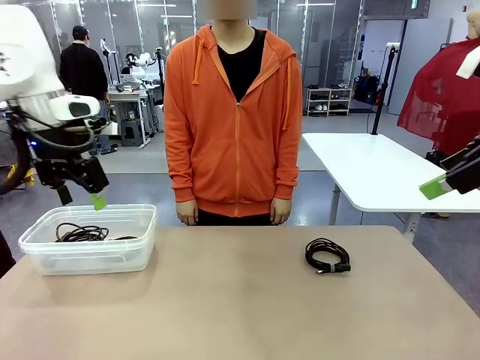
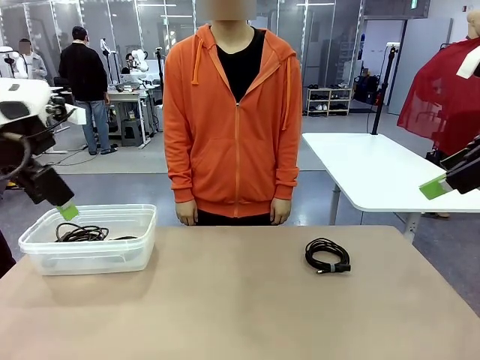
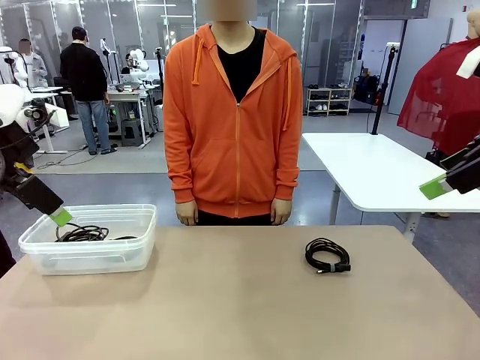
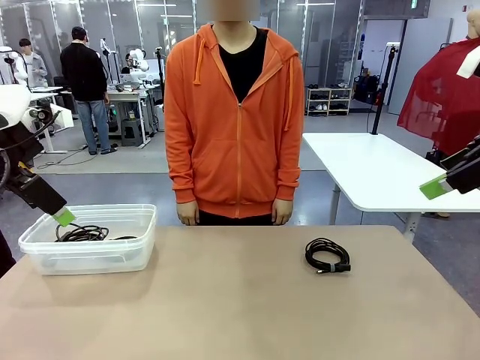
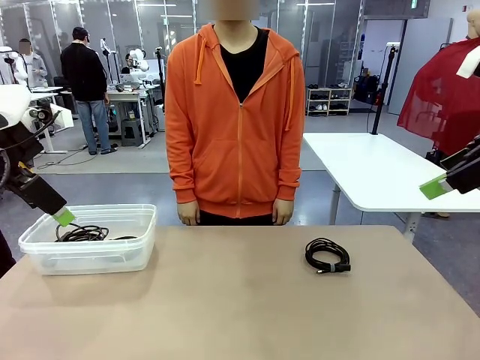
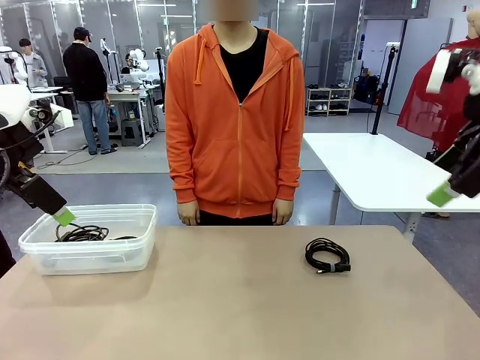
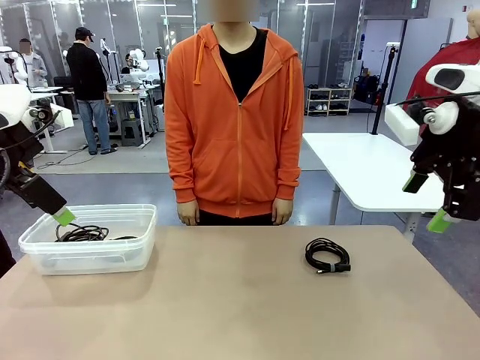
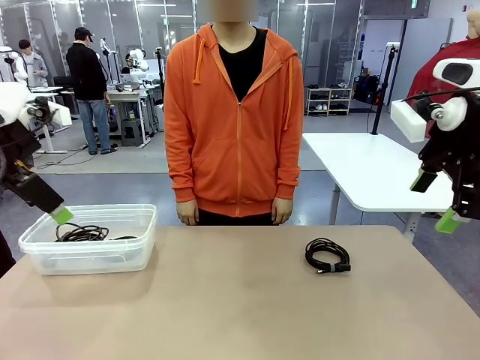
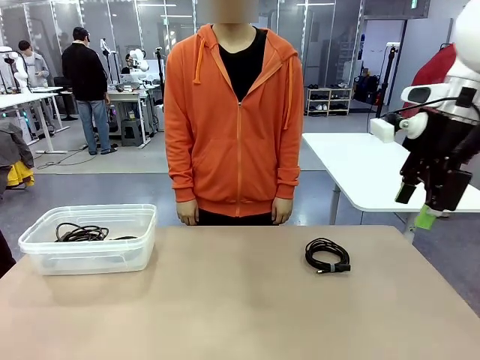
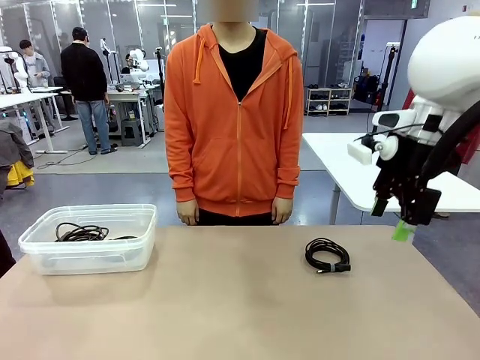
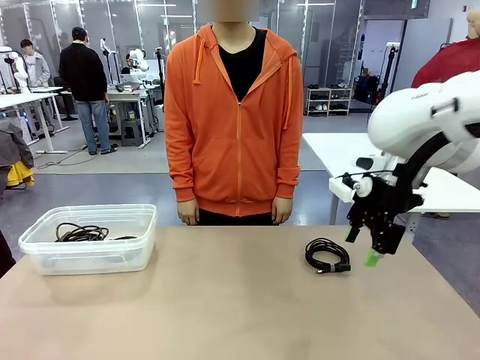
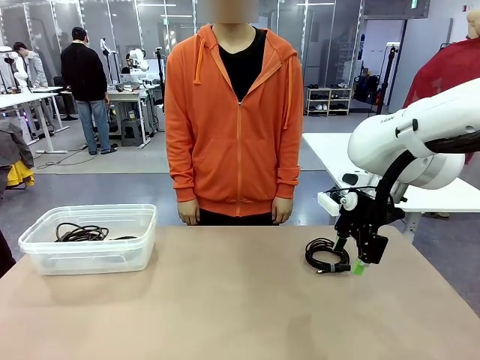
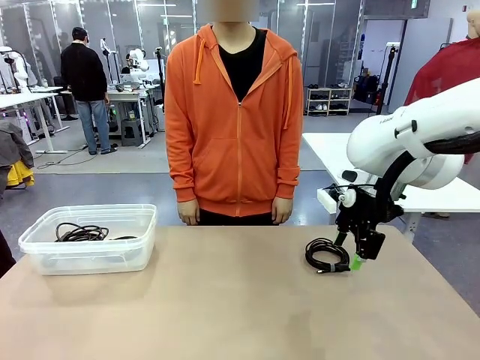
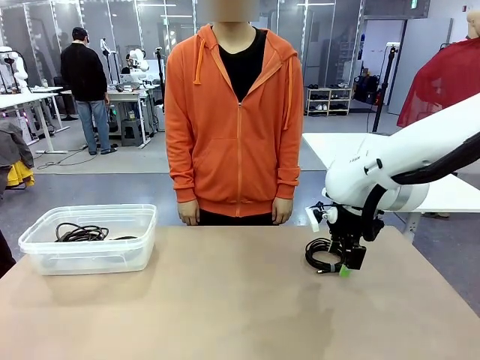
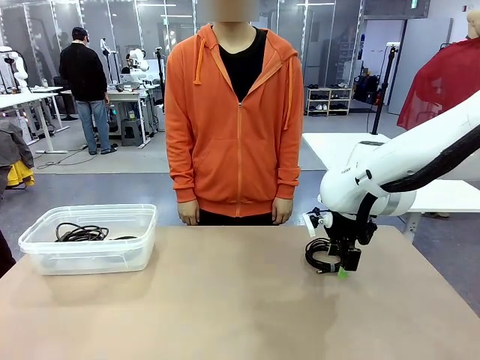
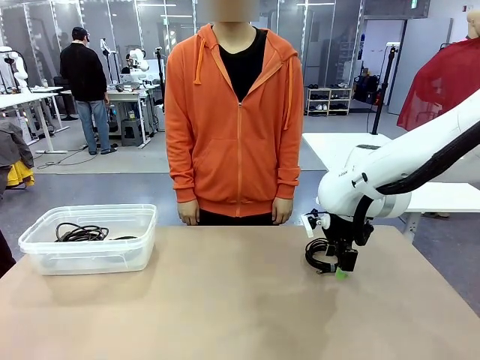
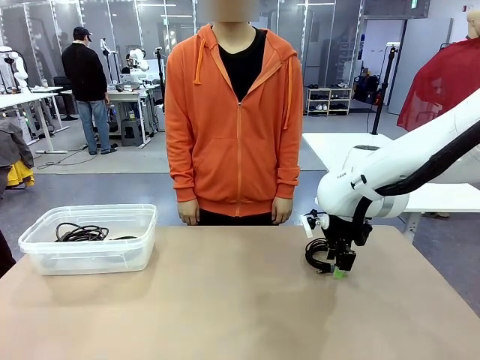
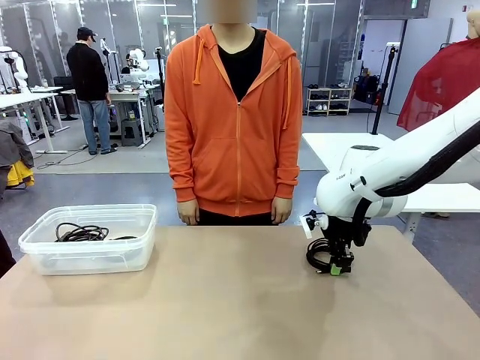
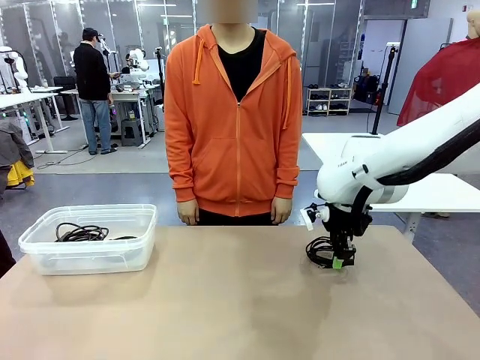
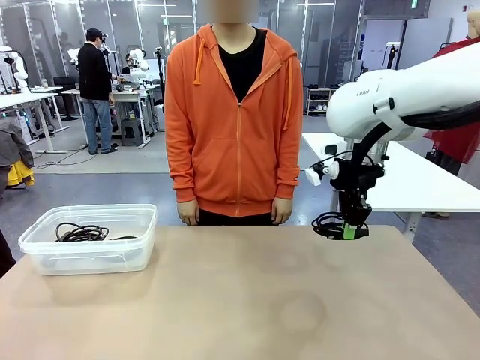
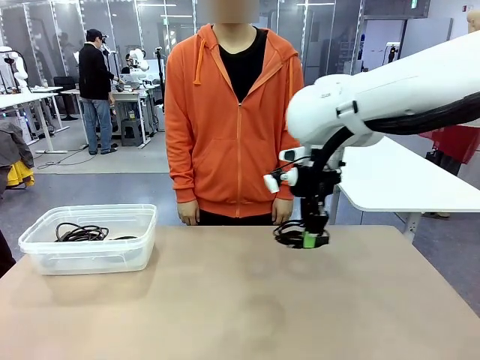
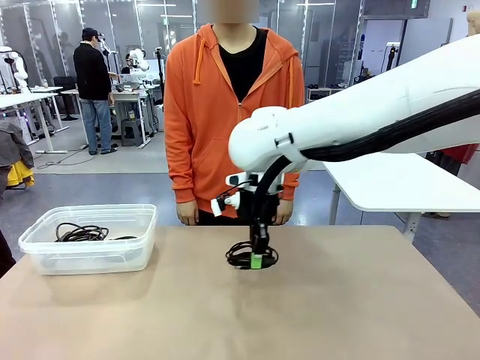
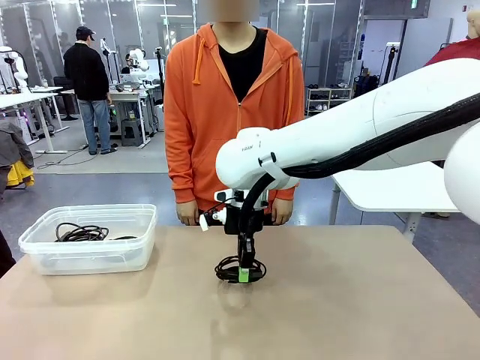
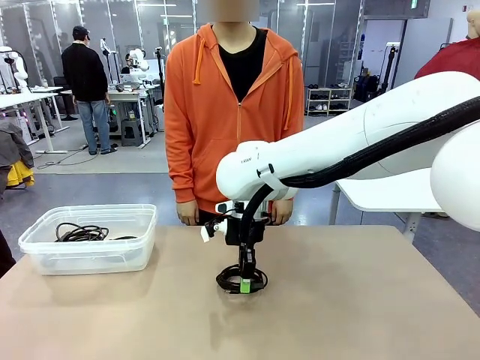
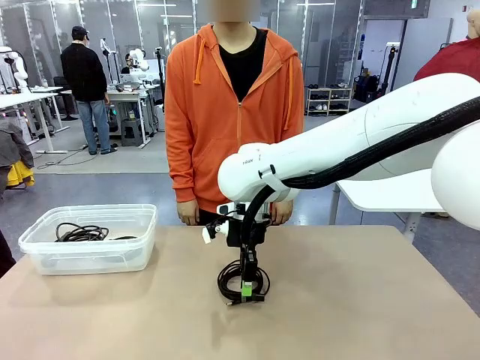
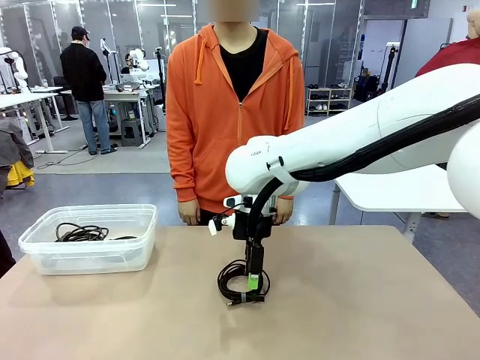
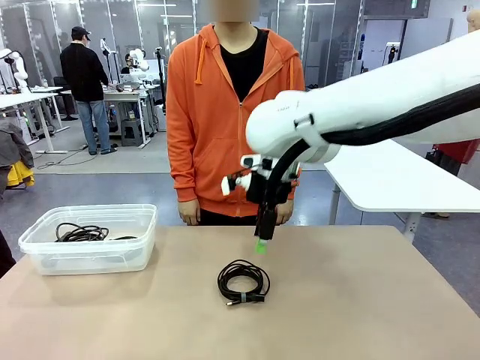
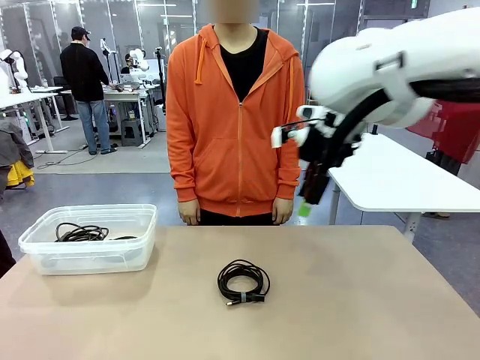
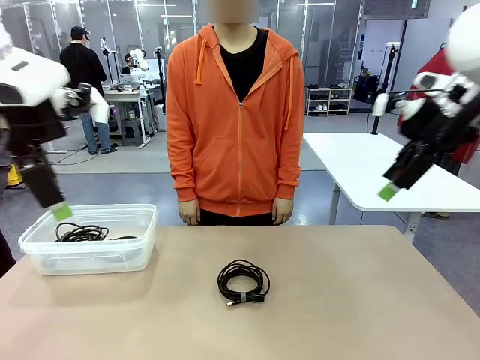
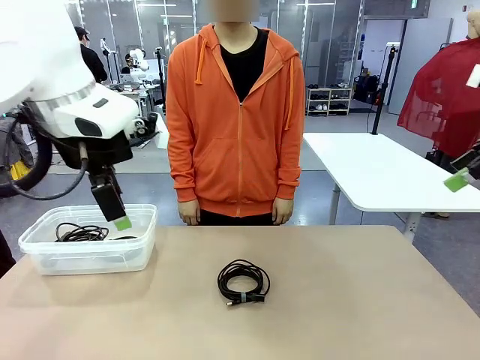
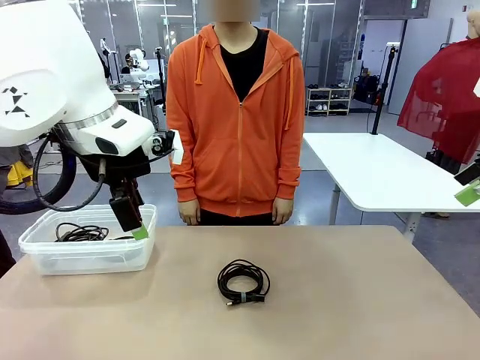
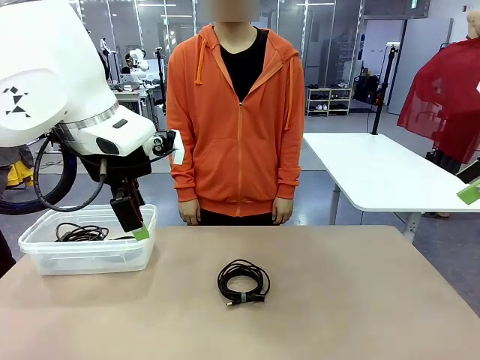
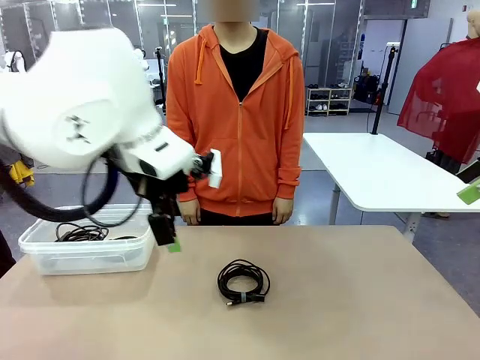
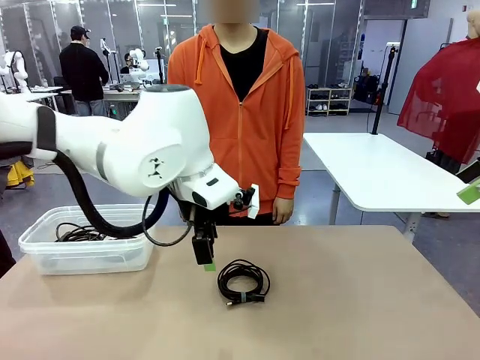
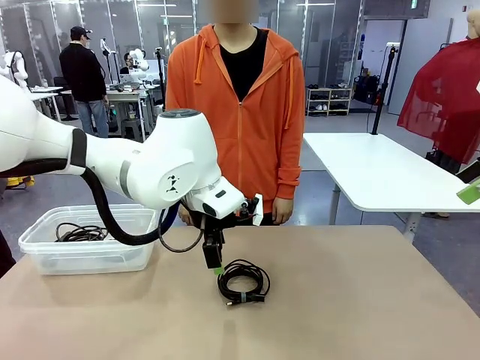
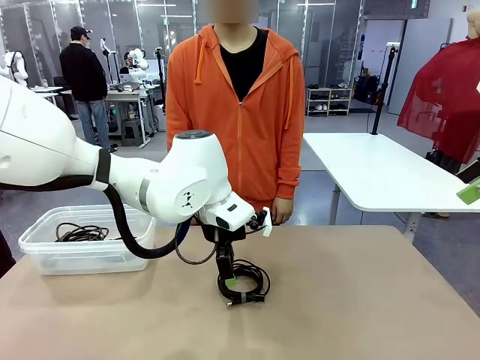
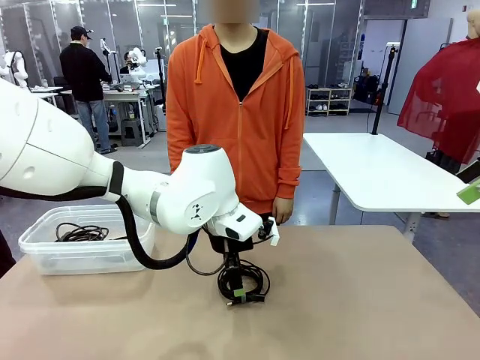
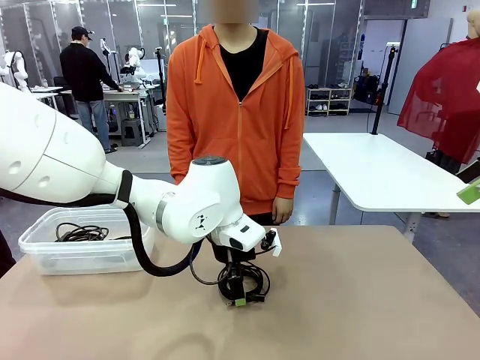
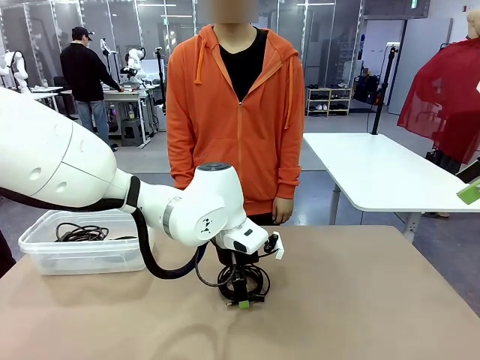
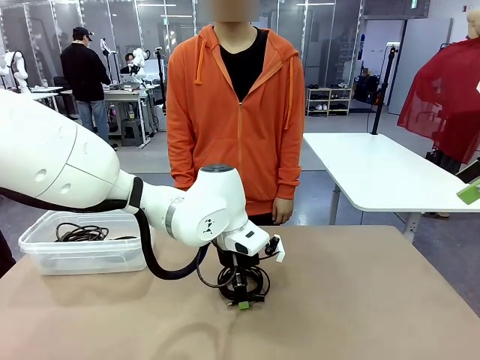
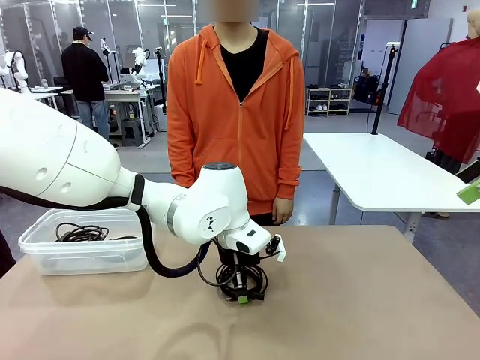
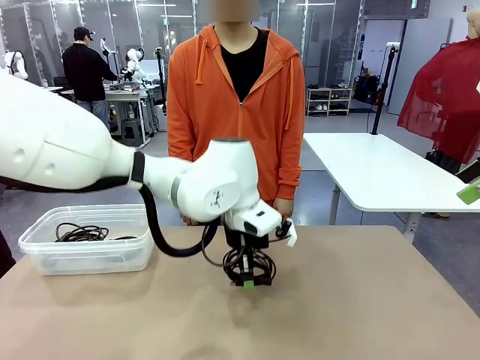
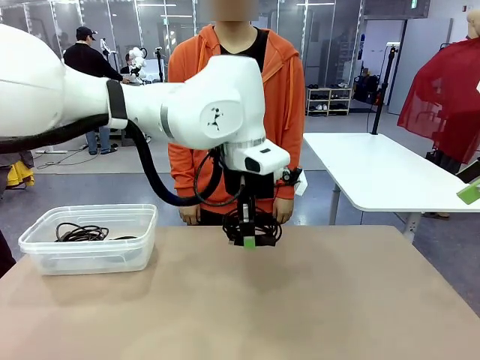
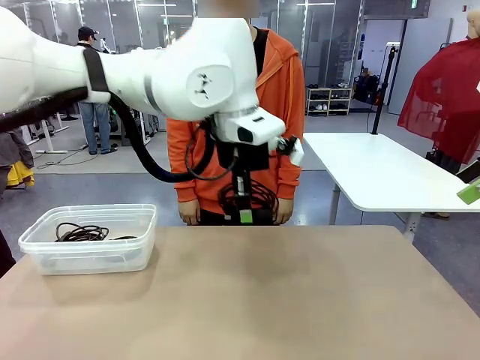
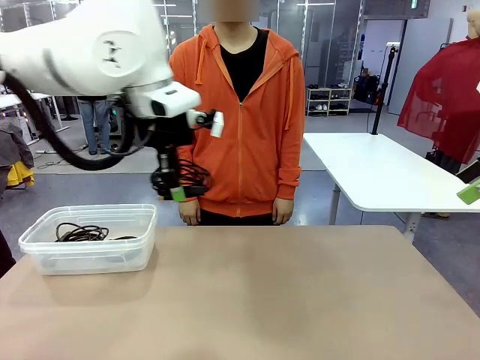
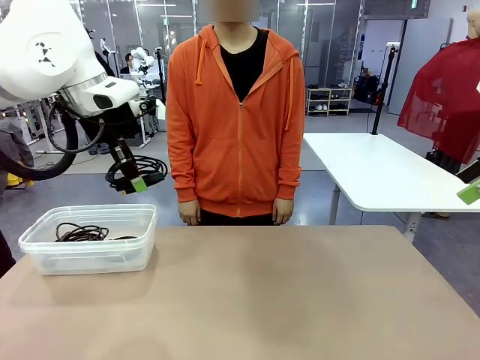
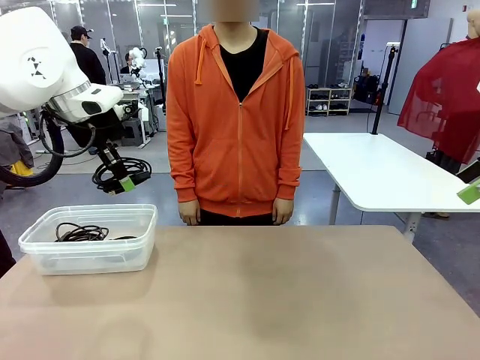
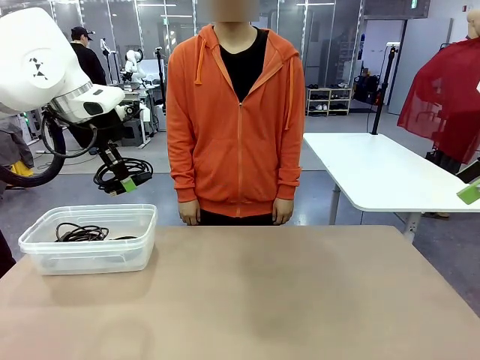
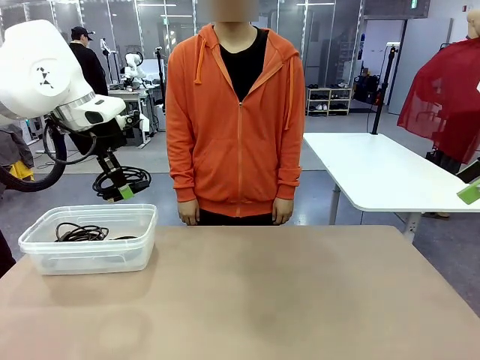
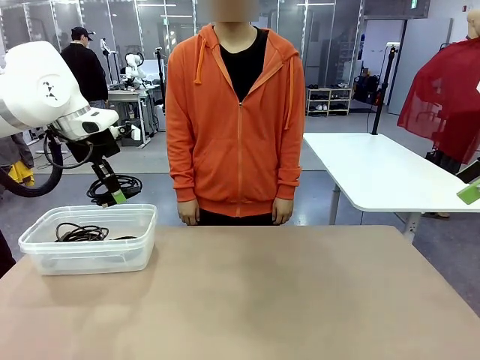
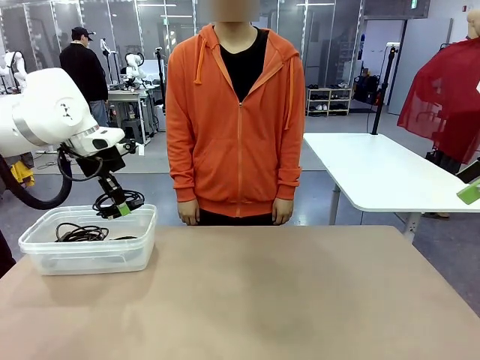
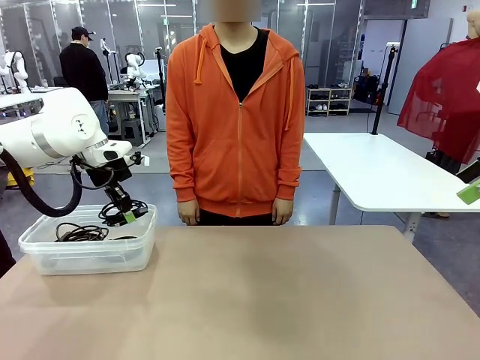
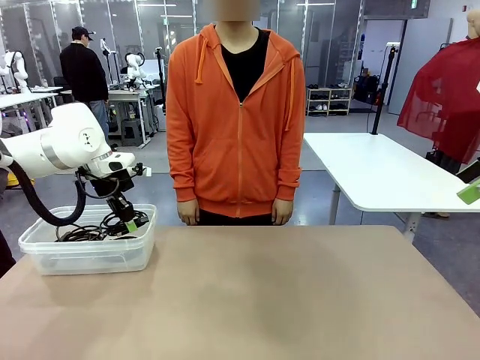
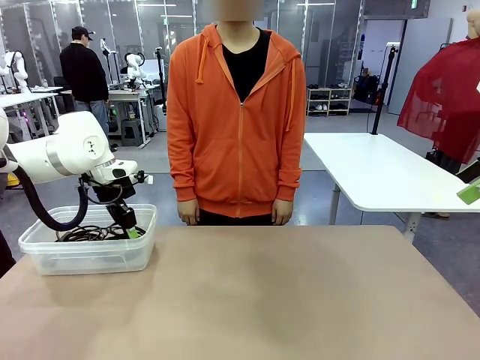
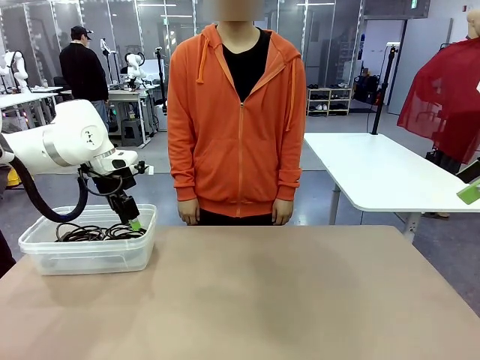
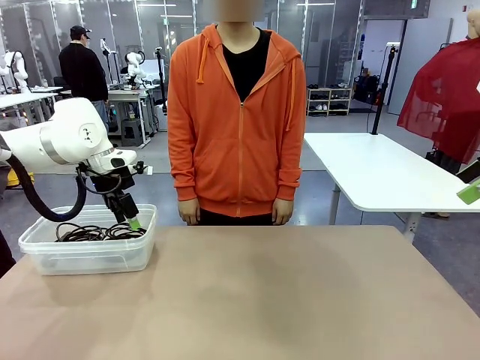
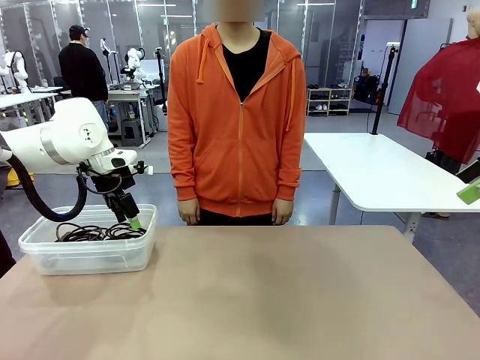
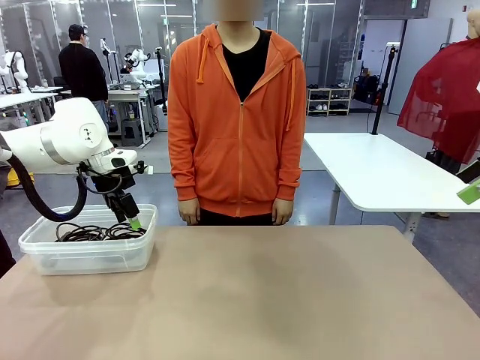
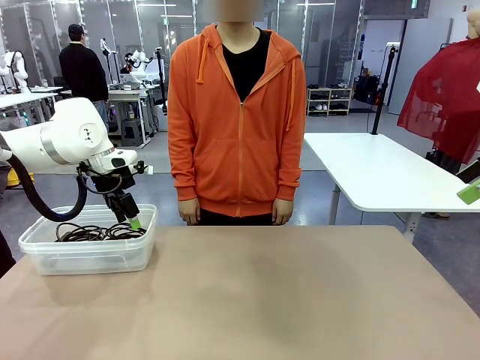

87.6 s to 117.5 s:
Task: Organize and store the cables.
Robot: Place the USB Extension Cable into the Organizing box.
